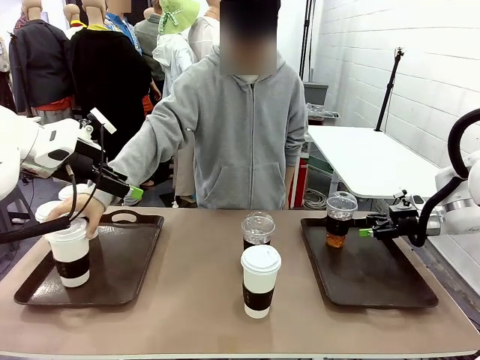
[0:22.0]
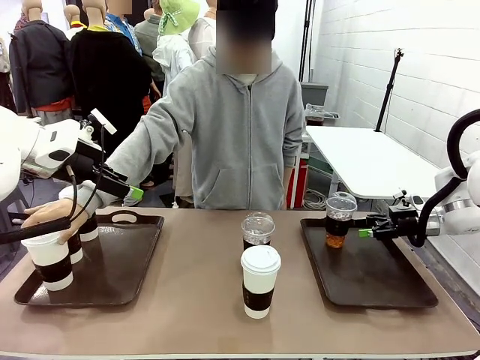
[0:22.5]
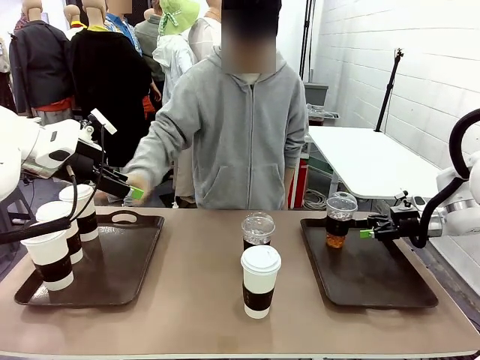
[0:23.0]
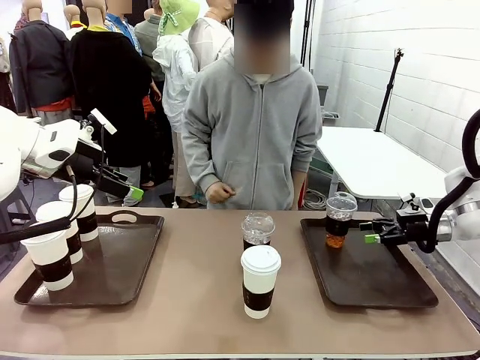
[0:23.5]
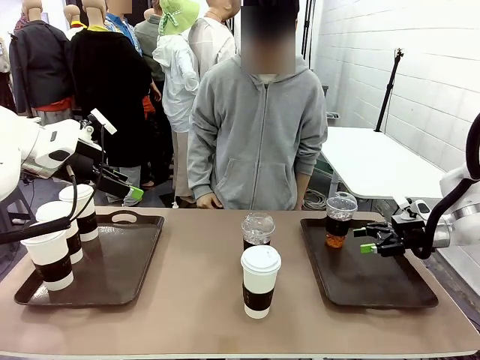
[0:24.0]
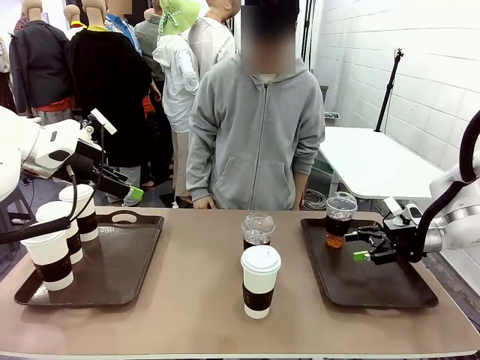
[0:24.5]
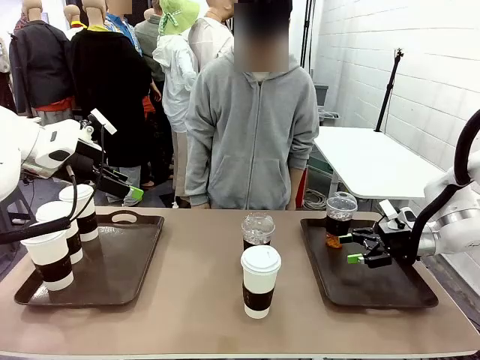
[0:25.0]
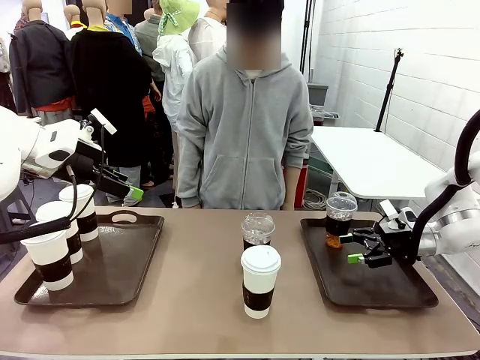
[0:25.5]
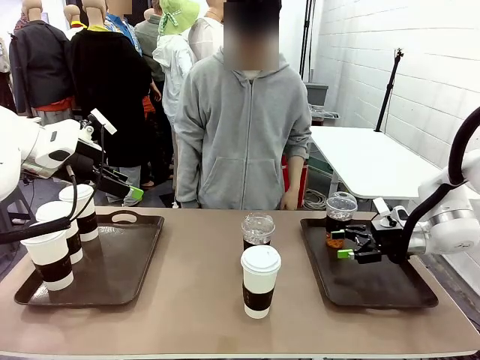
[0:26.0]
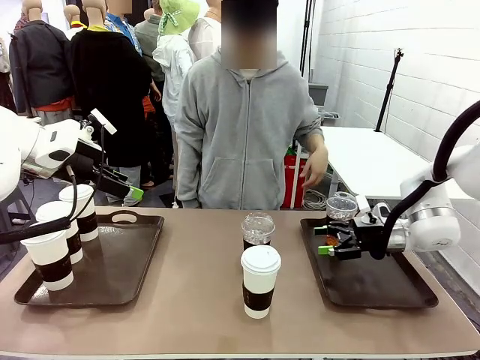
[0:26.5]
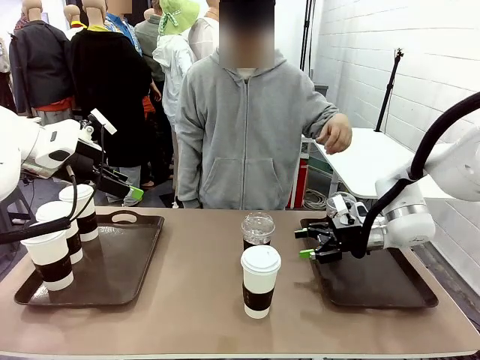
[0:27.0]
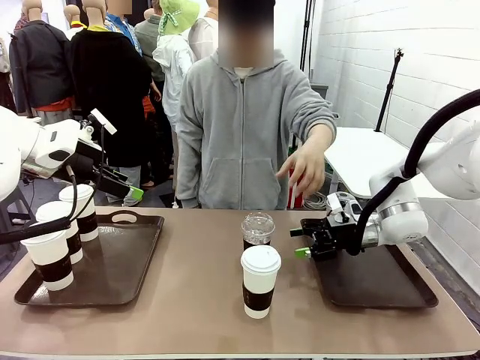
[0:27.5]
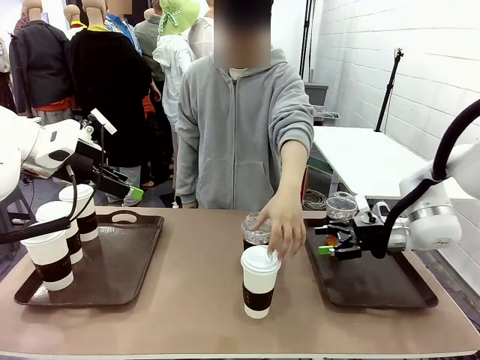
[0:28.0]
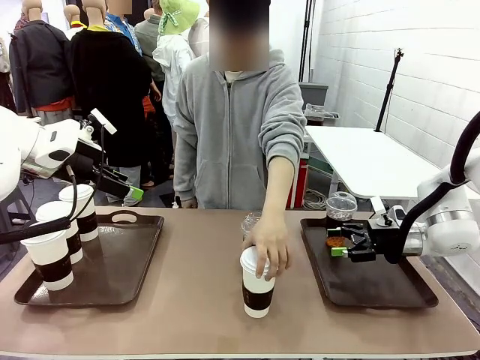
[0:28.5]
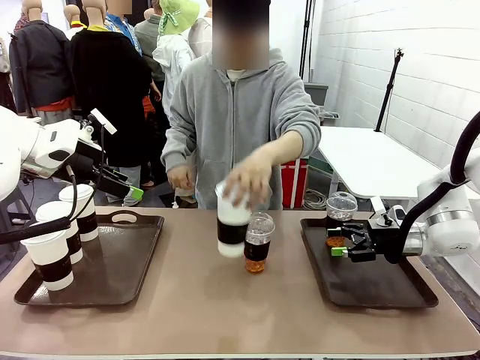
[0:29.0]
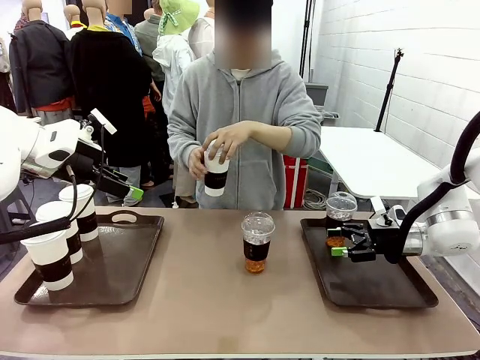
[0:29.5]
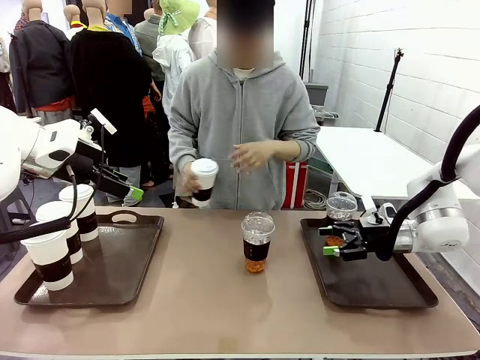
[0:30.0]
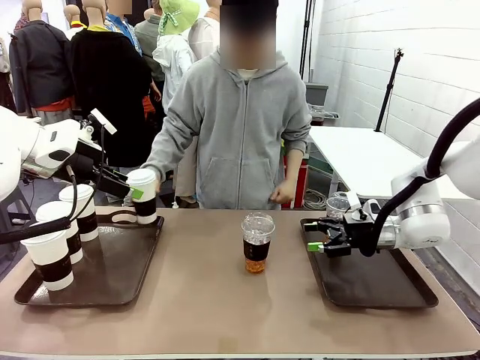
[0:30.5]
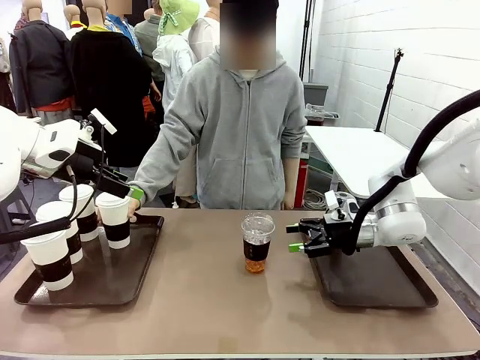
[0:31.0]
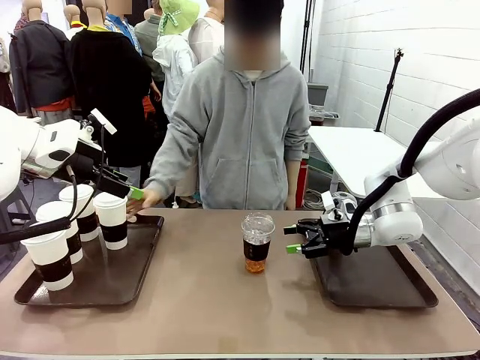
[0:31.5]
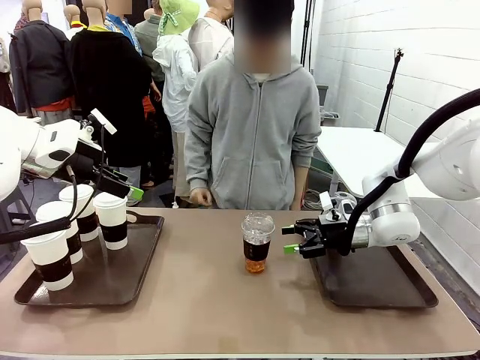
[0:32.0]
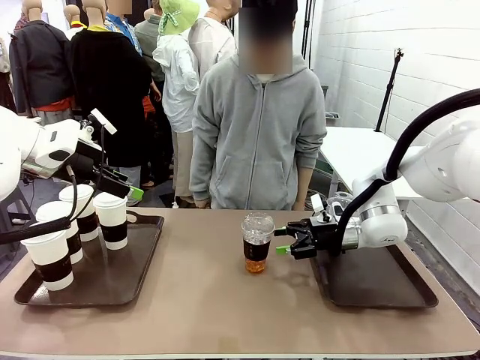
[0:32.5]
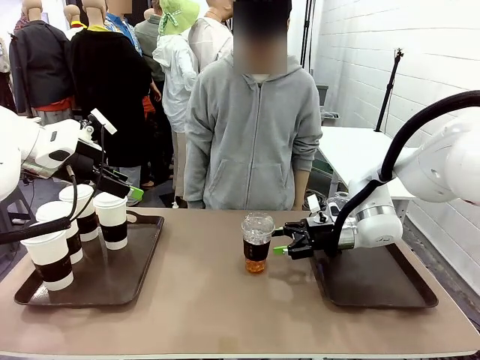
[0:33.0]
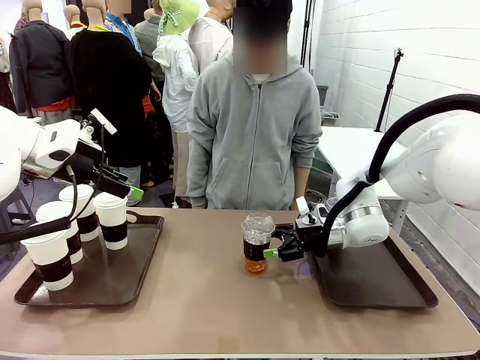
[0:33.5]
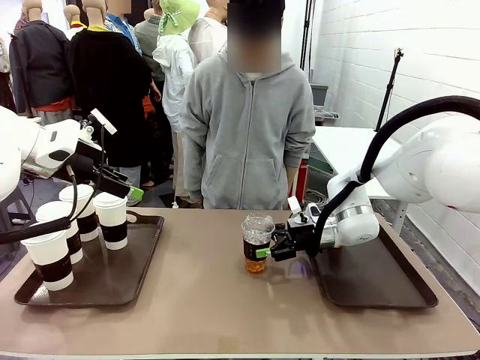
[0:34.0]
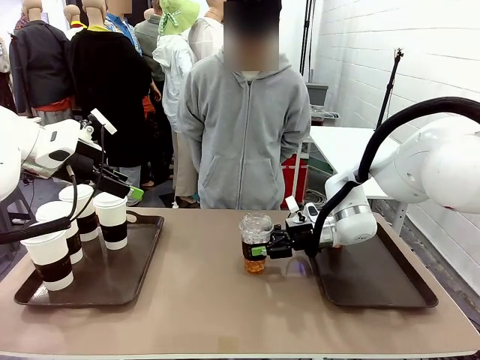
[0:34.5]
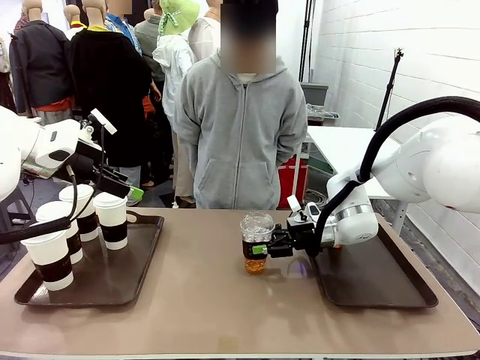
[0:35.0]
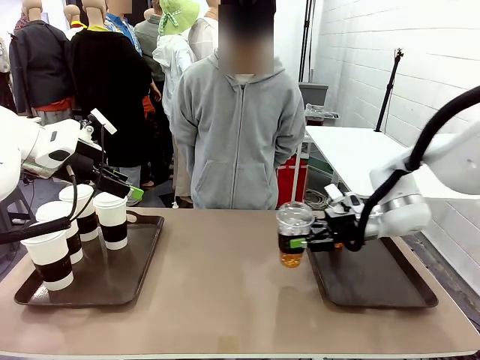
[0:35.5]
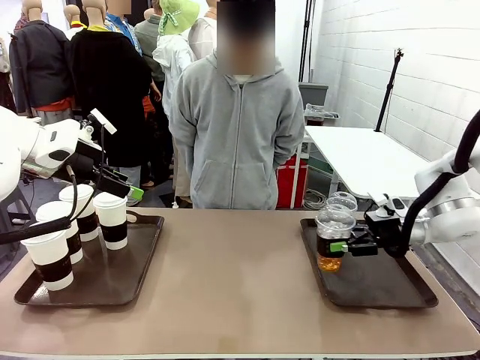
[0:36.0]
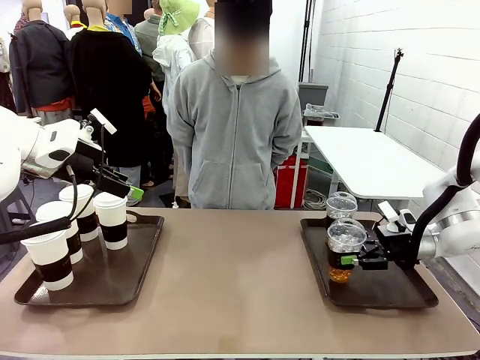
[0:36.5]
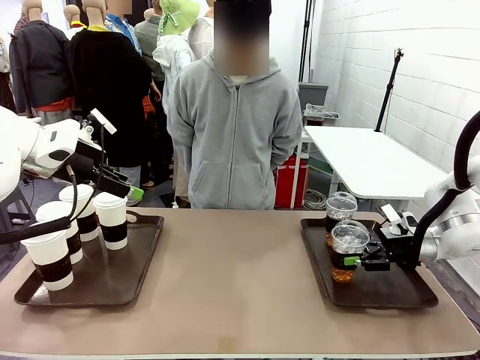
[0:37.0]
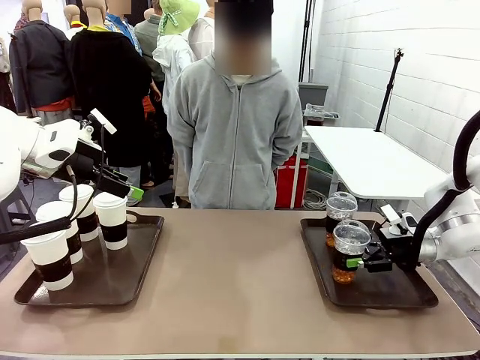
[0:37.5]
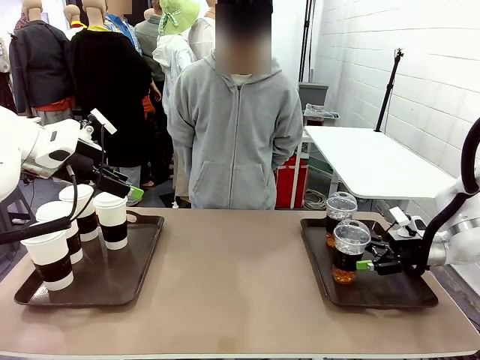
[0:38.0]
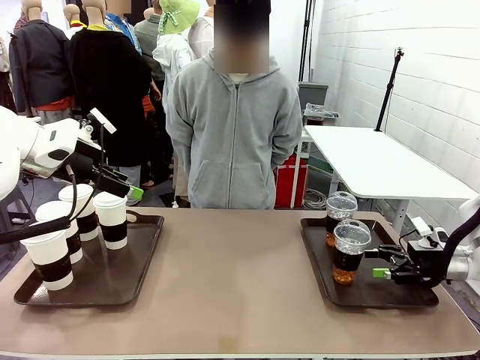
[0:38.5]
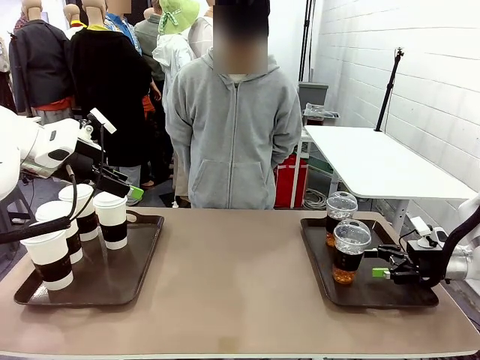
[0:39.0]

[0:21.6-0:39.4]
Task: Distribute the coffee onto the tray.
Robot: Pick up another iced Americano from the middle of the table and place it on the right Handle tray.
Person: Pick up a cup of hot Americano from the middle of the table and place it on the right tray.

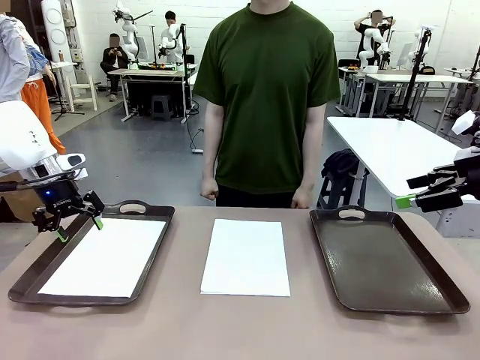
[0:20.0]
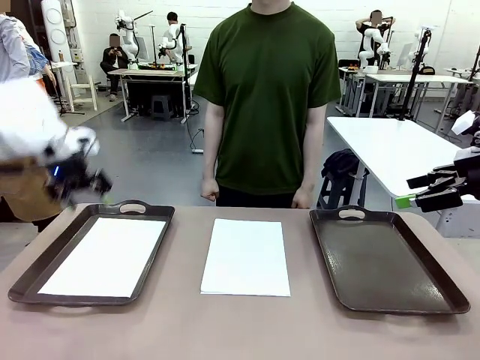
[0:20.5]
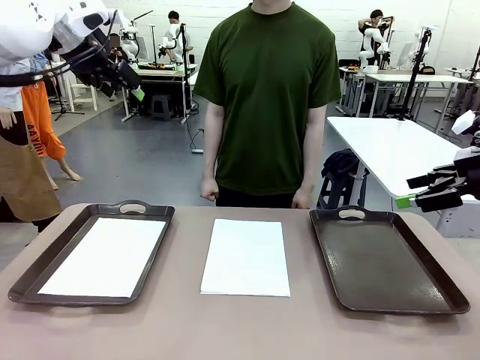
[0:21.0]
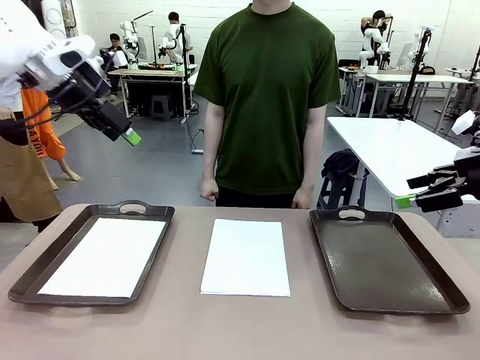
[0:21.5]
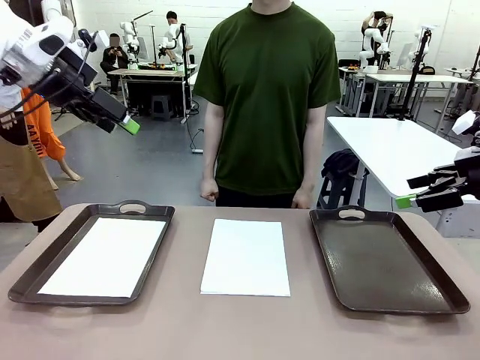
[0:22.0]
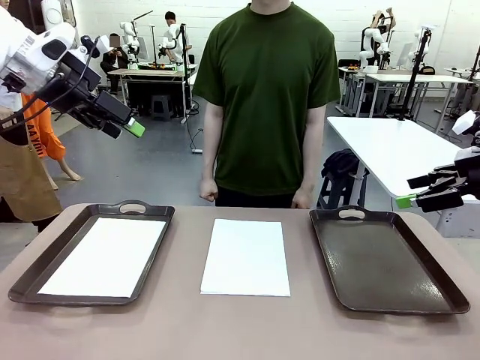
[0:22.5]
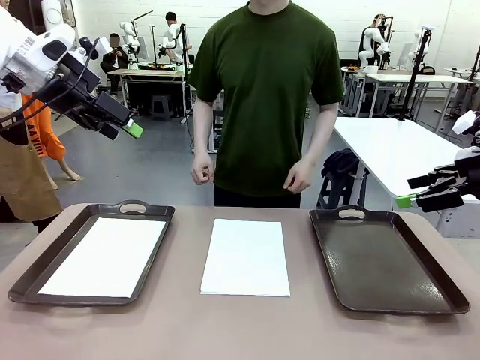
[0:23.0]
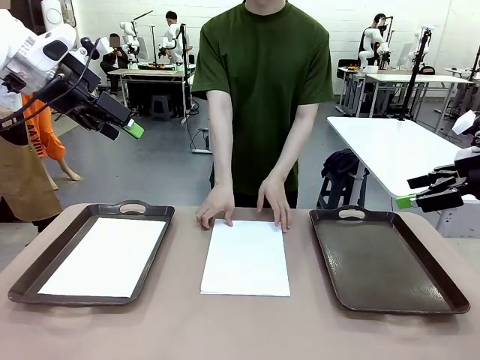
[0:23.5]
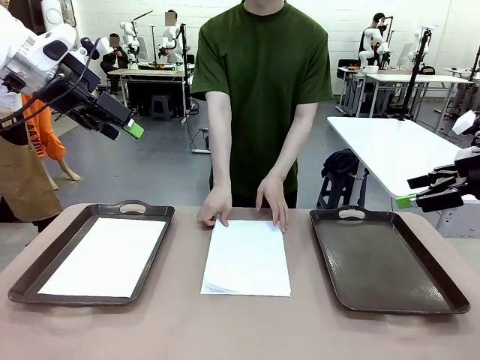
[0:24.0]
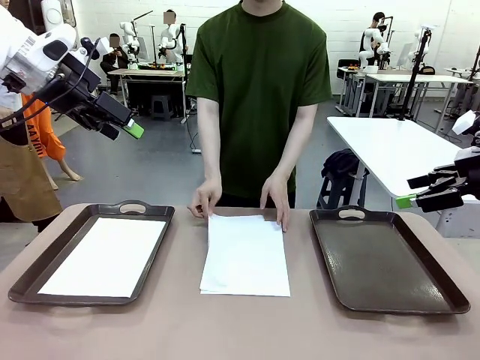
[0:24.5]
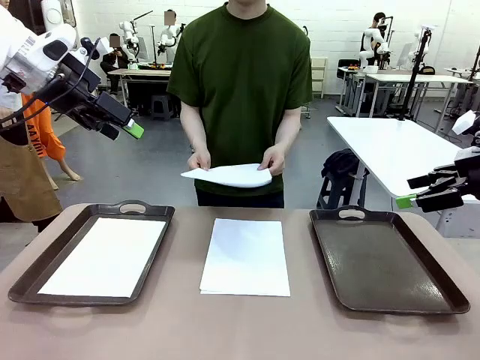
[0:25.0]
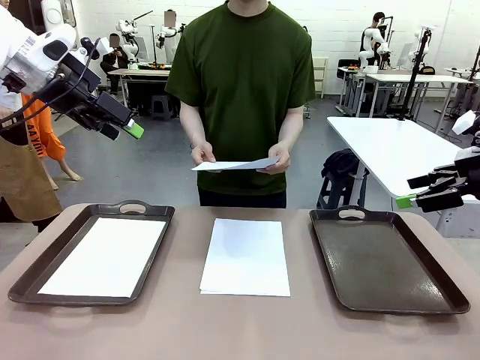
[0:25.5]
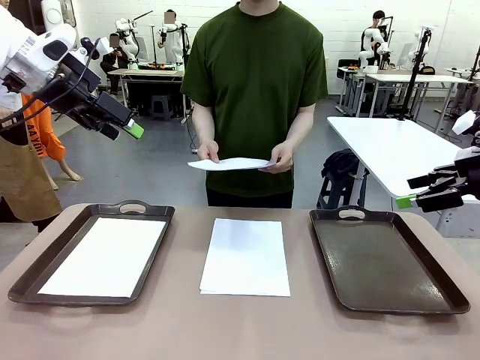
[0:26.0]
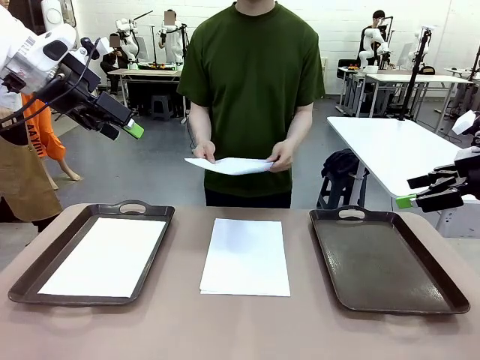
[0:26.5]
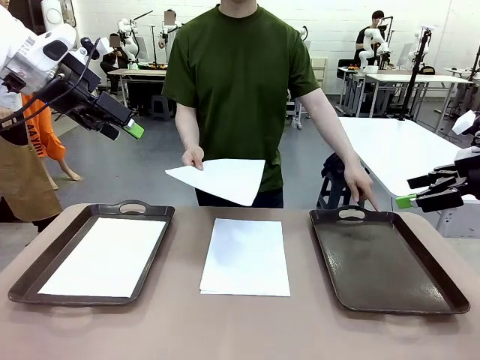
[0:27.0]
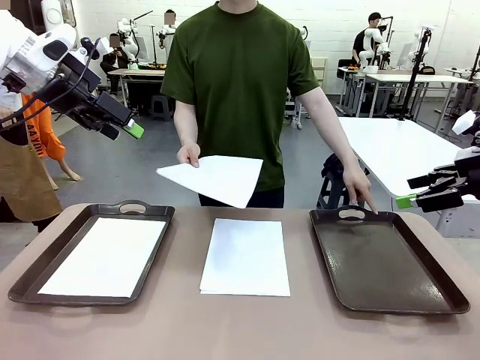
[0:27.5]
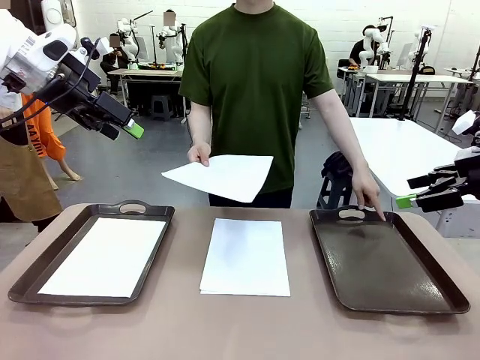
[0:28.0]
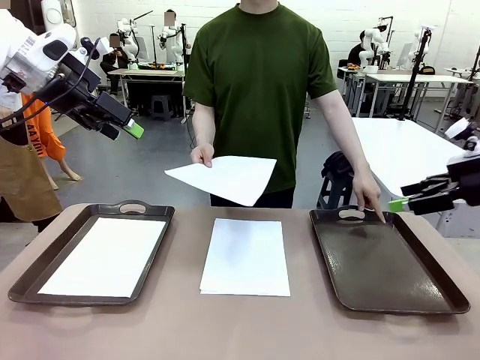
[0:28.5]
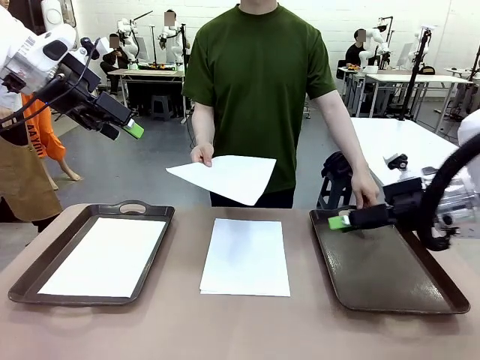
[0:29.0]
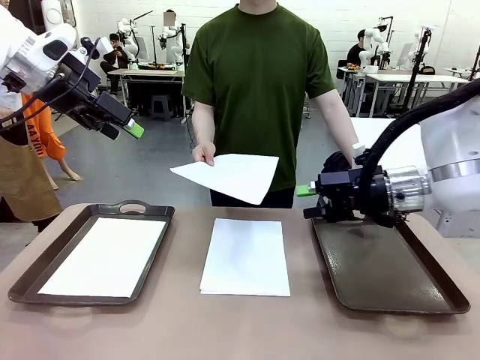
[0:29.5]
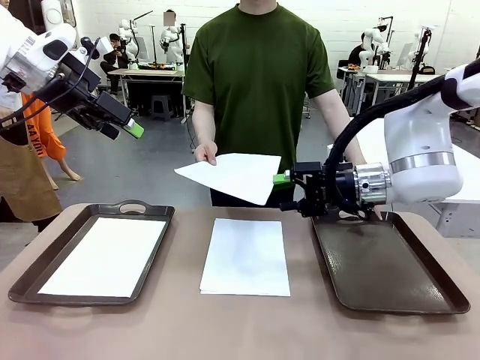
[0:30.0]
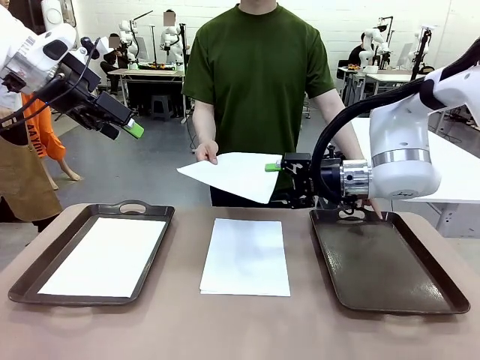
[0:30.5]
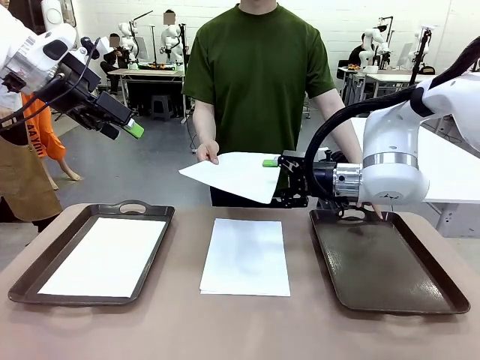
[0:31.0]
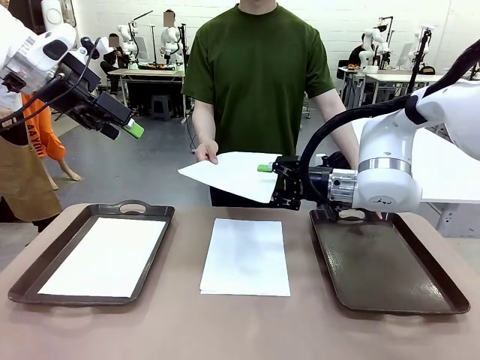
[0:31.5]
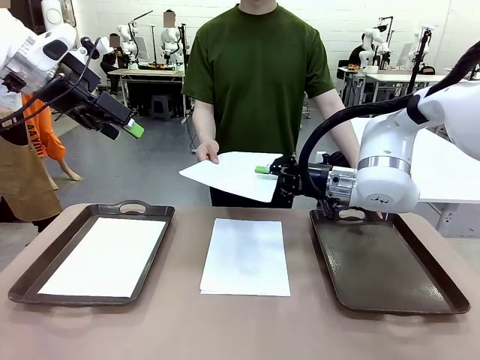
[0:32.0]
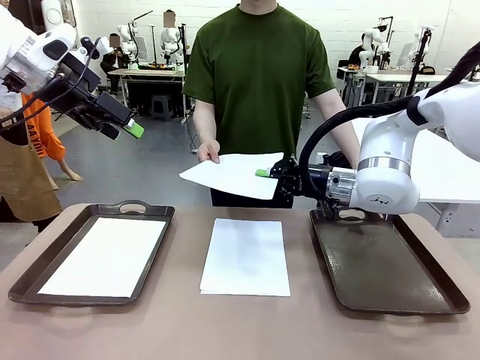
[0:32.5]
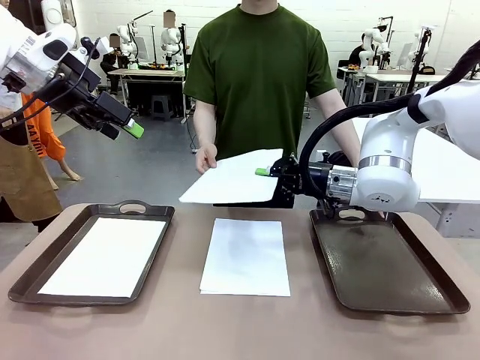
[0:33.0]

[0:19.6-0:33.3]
Task: Sort the A4 documents.
Robot: Receive the A4 Paper.
Person: Point the randomly selected tray with the other hand.
